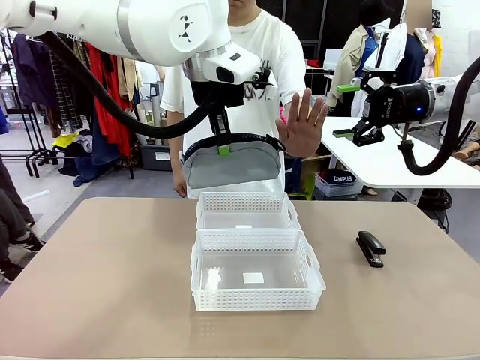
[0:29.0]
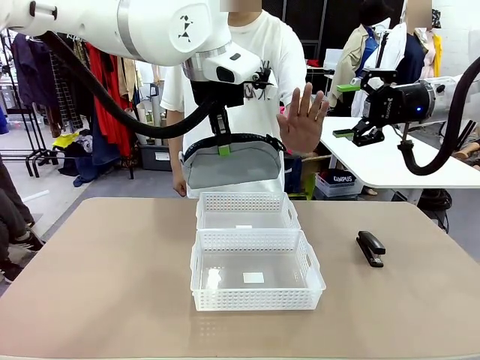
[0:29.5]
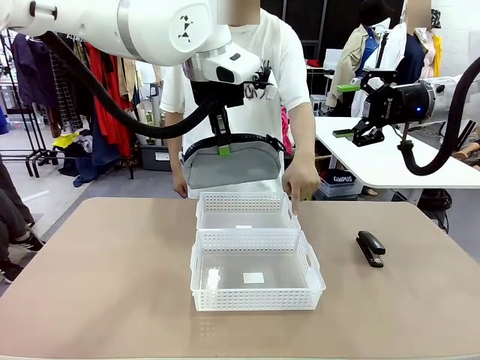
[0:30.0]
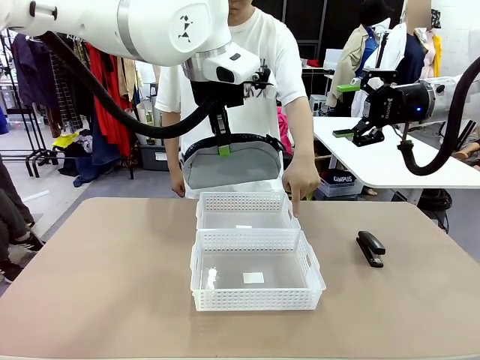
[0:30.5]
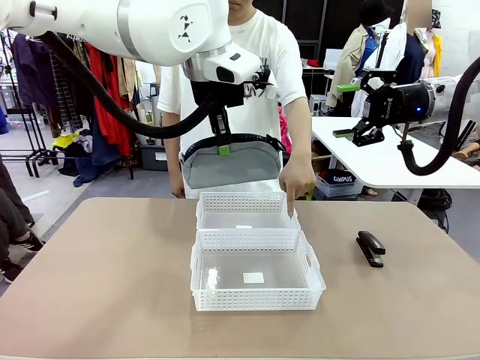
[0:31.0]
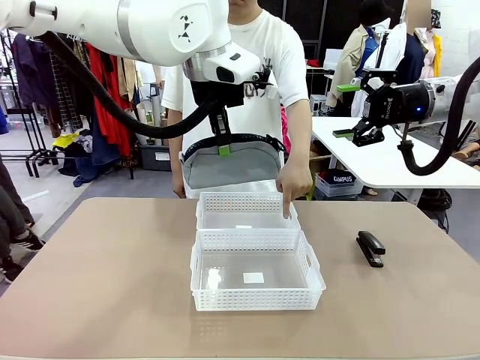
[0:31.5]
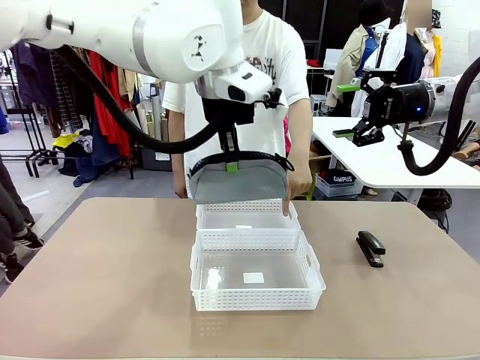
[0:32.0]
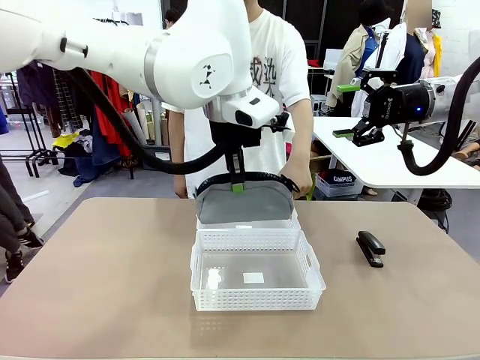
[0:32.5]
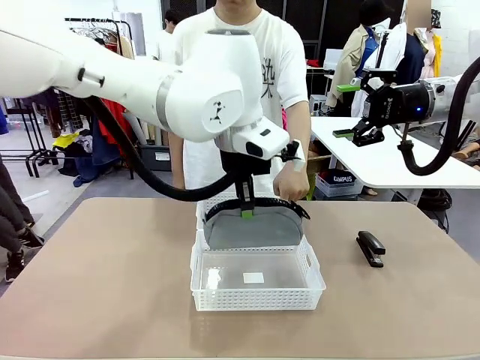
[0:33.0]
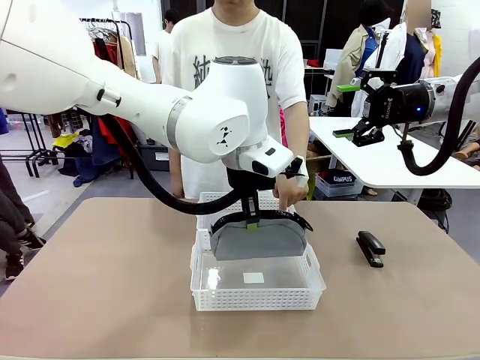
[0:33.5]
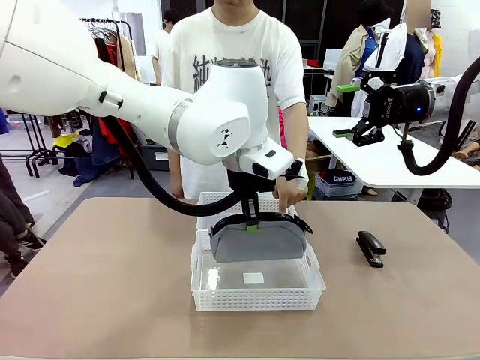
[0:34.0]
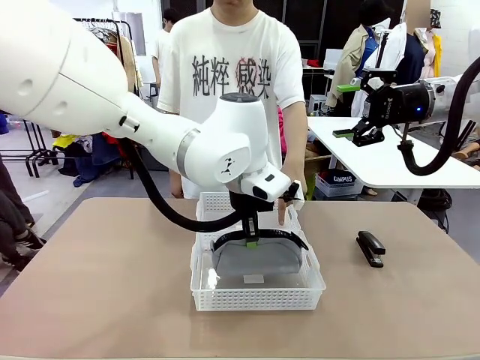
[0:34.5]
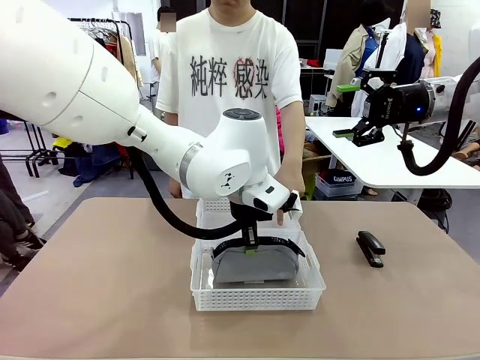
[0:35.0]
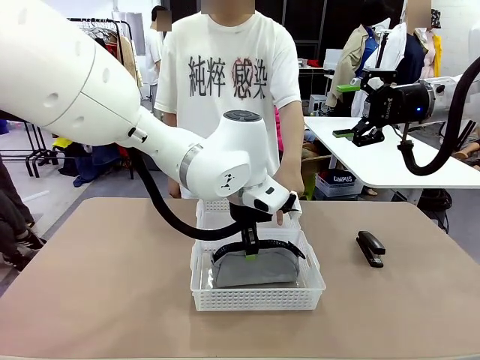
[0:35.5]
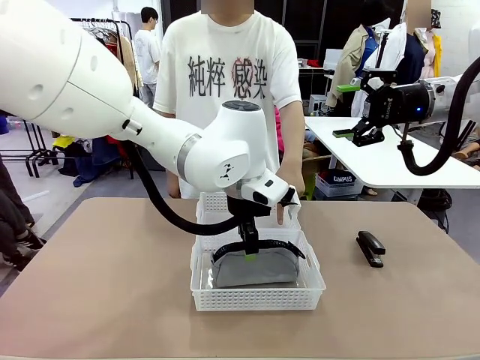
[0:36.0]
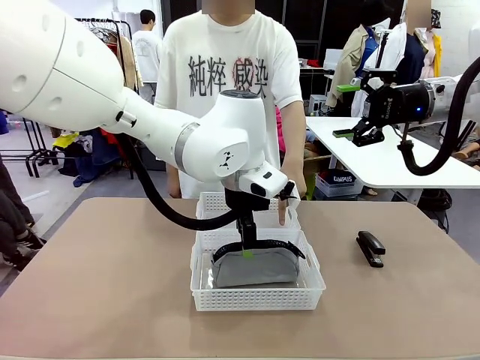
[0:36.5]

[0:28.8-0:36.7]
Task: Distribute items into two baskets.
Robot: Place the picked Pencil pouch into the Organizing basket as instructed by the person.
Person: Instructs the robot to place the pencil case into the opposite basket.

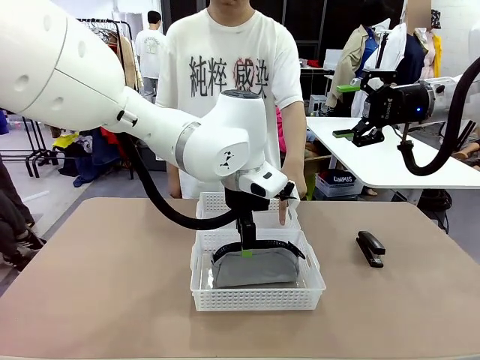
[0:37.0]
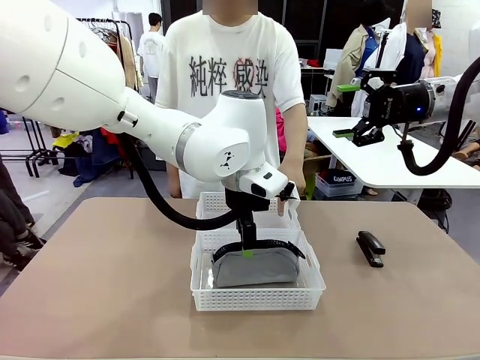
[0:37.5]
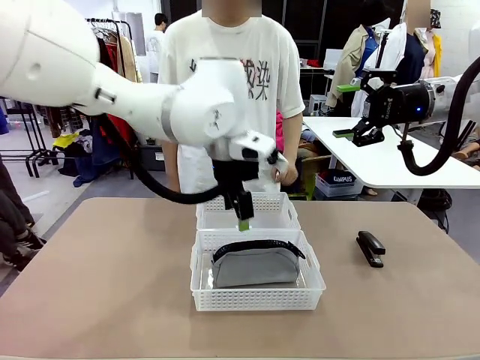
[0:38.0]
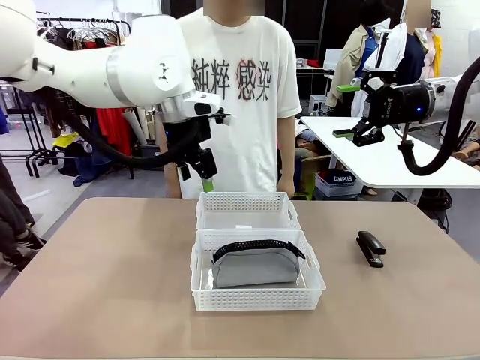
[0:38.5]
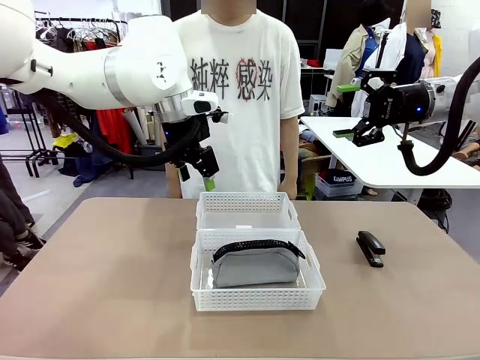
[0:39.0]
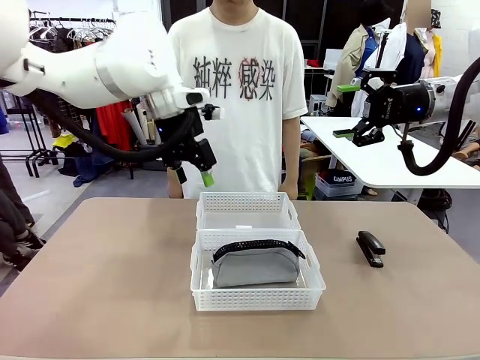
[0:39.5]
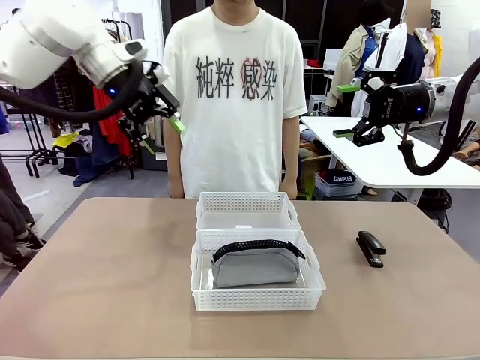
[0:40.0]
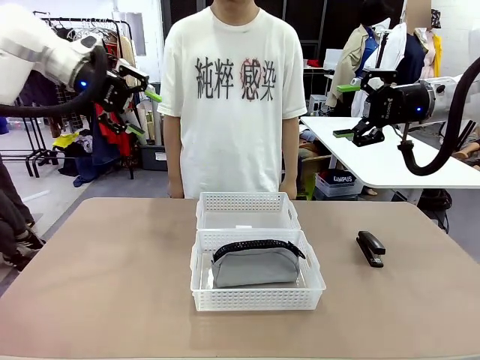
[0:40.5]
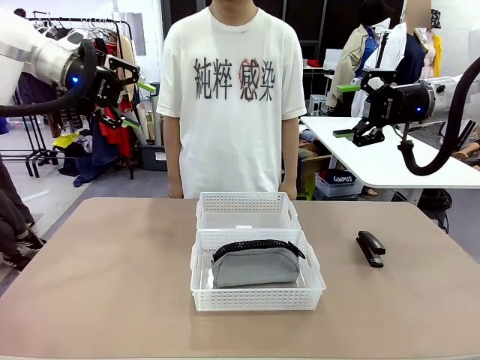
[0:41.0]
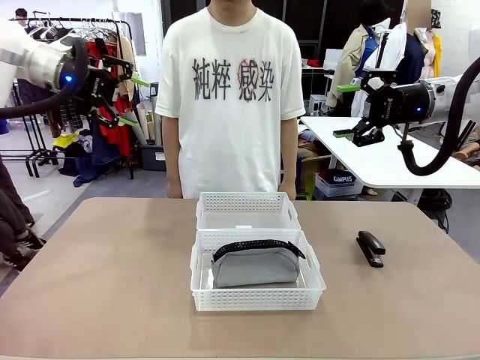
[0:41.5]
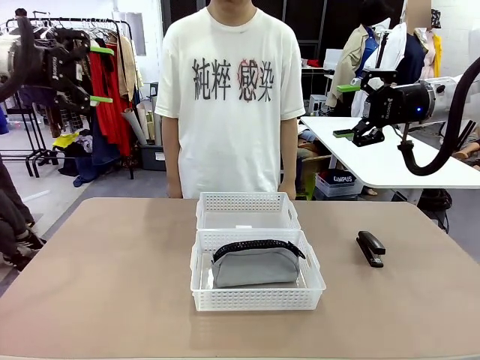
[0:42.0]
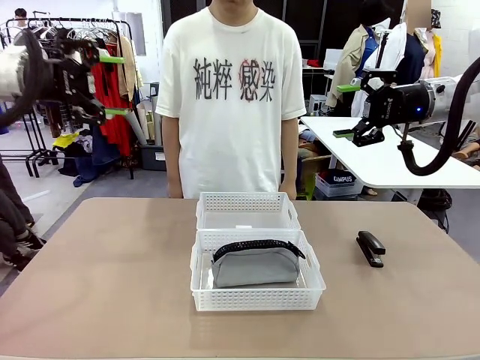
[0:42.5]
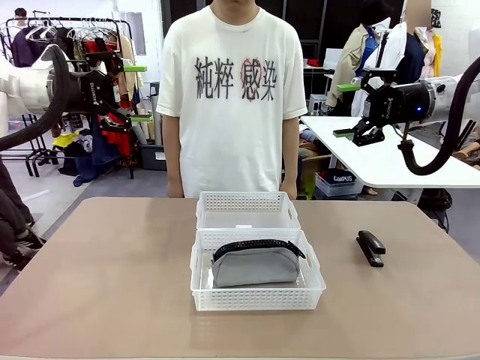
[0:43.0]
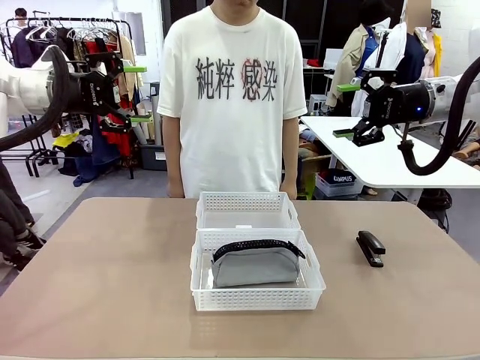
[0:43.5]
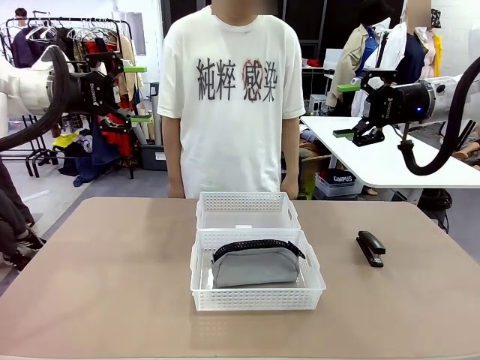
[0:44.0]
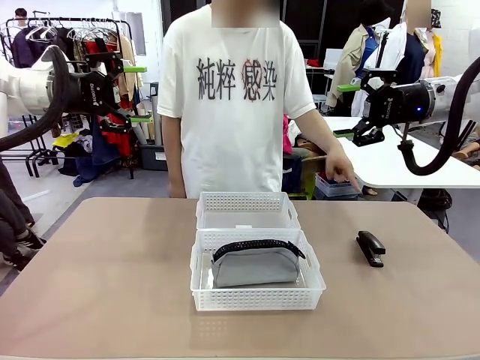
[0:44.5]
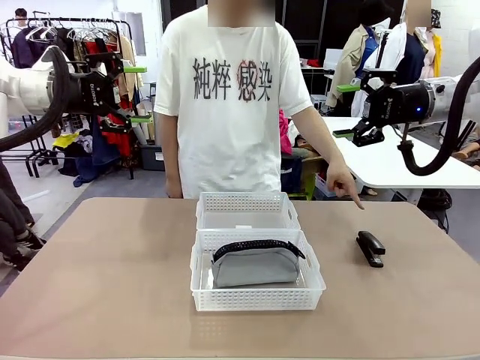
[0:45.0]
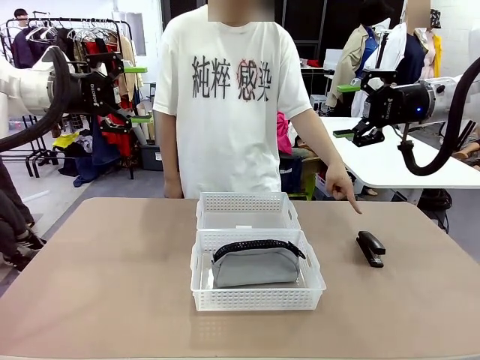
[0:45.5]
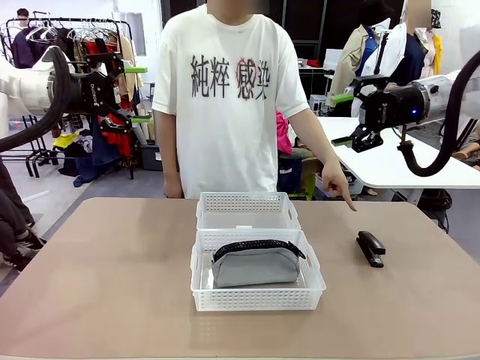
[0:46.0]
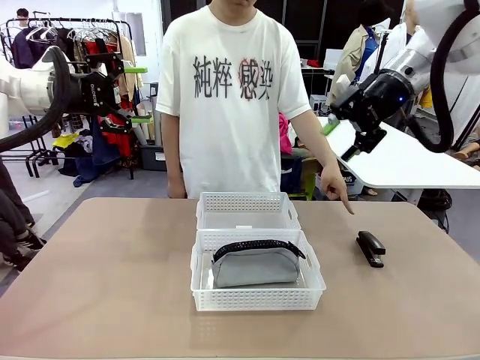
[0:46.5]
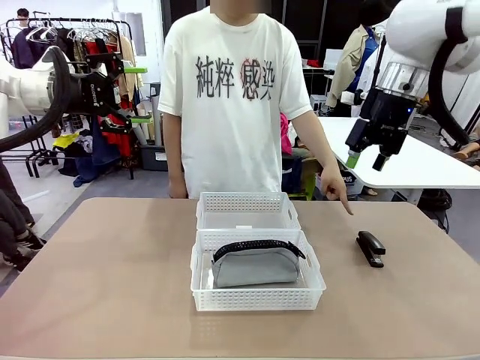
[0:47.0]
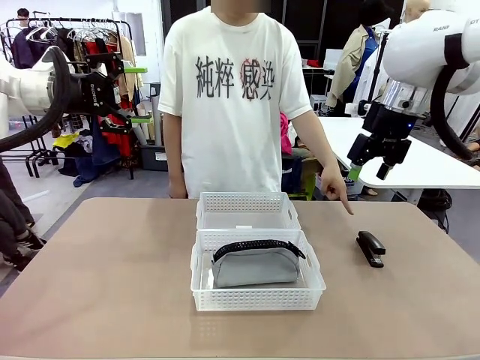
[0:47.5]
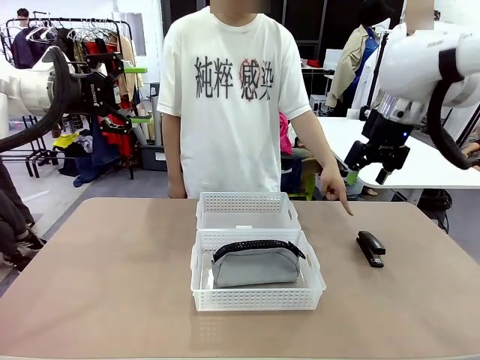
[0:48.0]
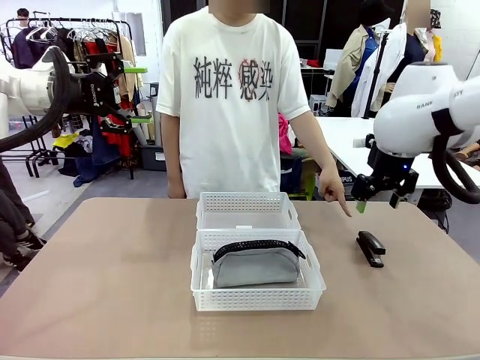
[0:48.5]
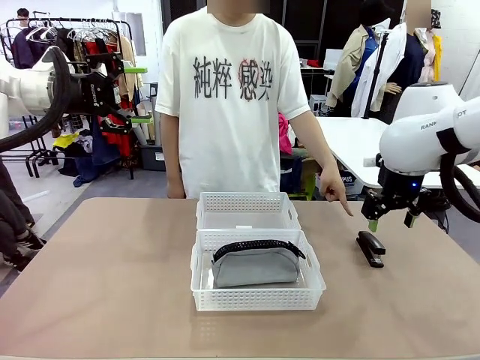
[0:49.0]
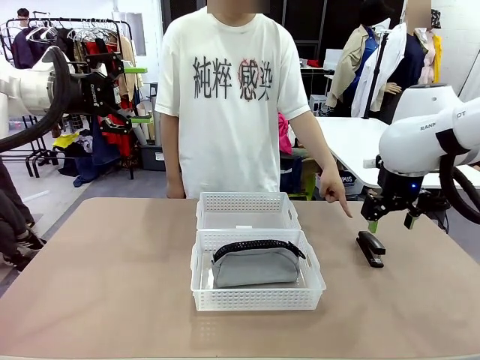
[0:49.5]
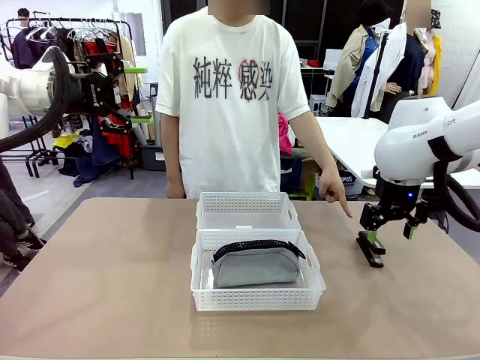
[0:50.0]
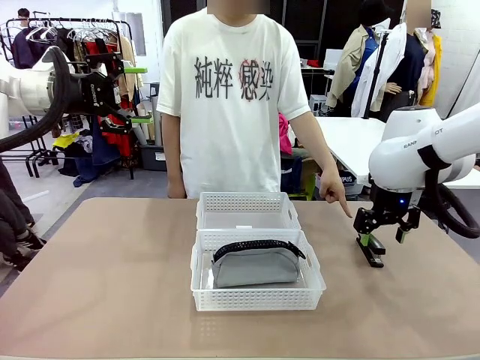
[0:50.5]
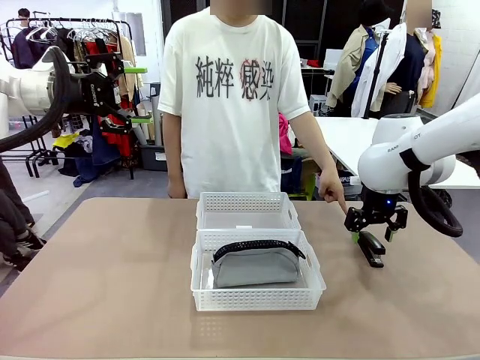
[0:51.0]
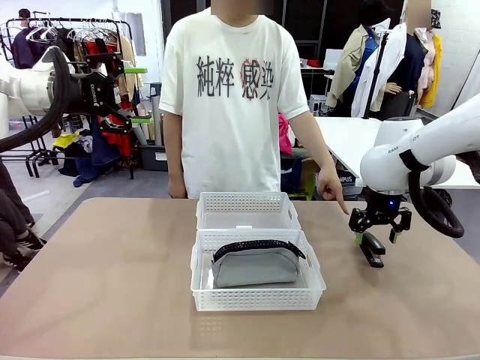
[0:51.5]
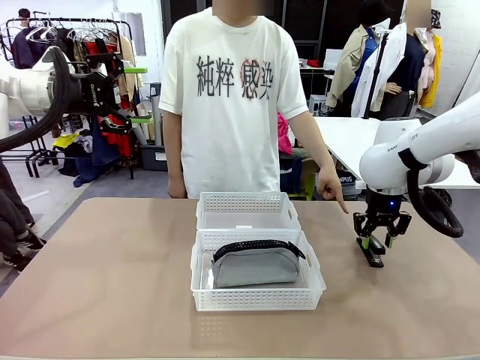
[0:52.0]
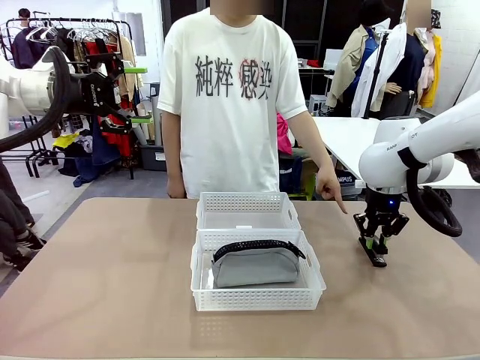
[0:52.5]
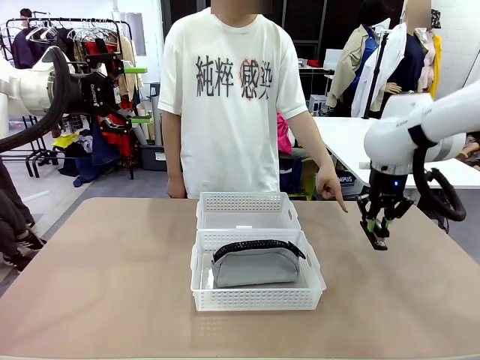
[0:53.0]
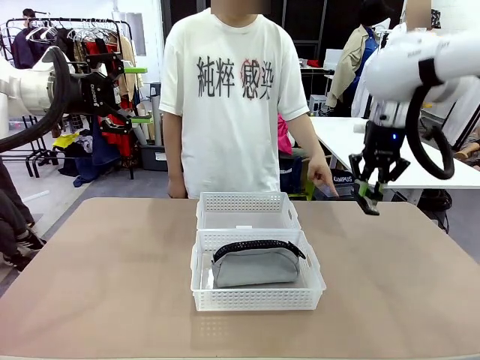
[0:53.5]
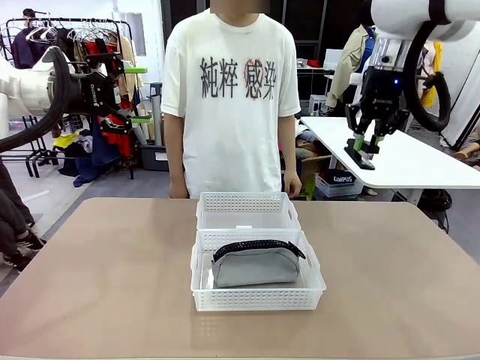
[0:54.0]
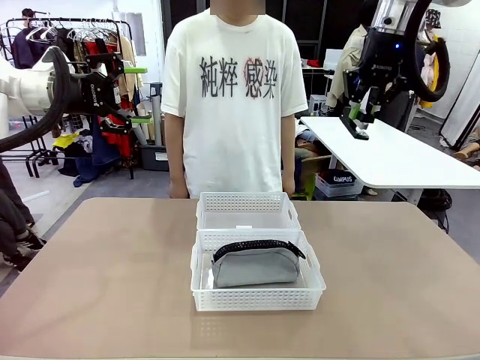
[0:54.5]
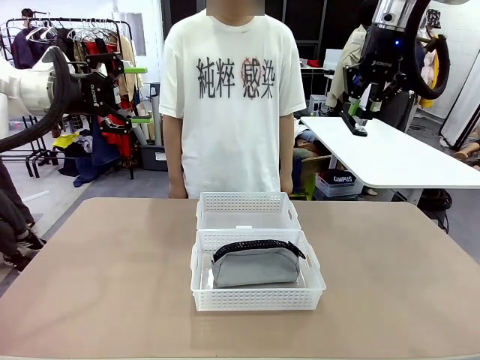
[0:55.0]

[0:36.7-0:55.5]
Robot: Pick up the Stapler that the person points to.
Person: Points to the stapler.

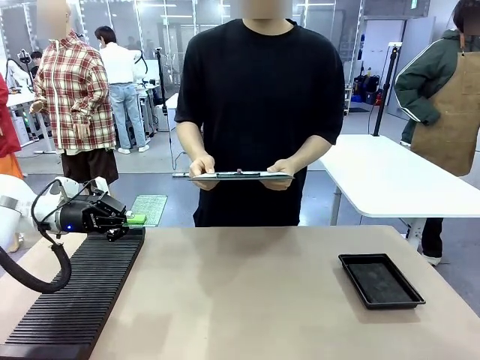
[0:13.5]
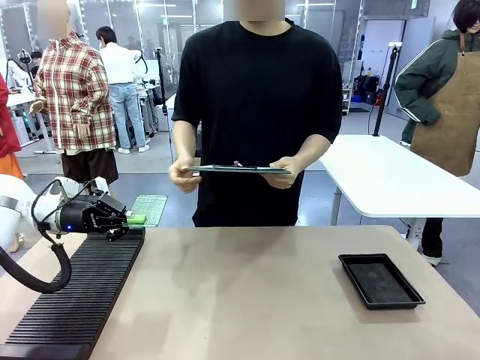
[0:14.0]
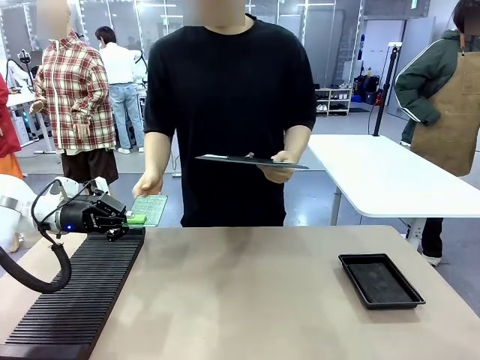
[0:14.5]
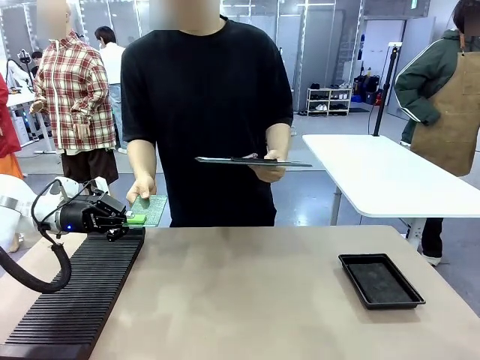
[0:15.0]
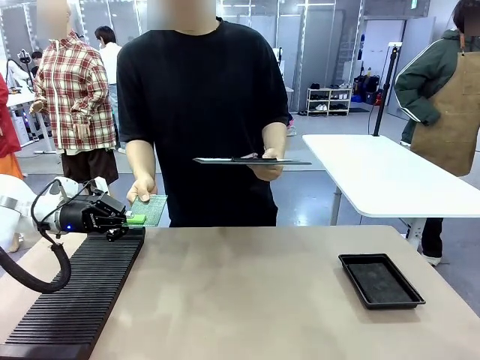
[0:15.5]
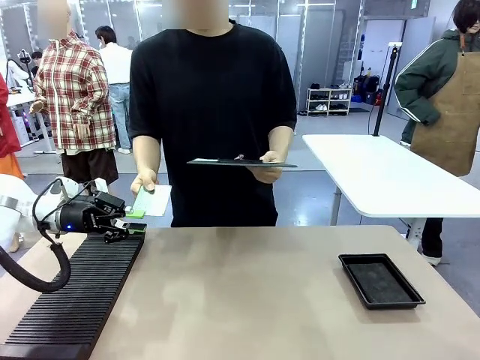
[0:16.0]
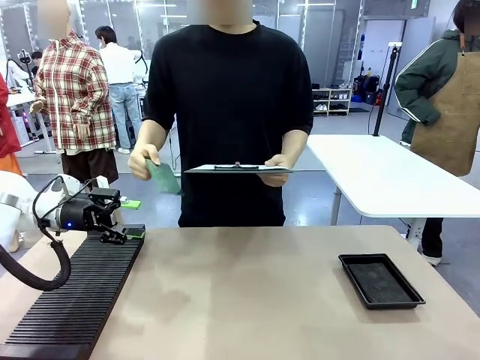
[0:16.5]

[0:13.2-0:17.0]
Task: Inspect the PCB.
Robot: Release the Blank PCB you were holding.
